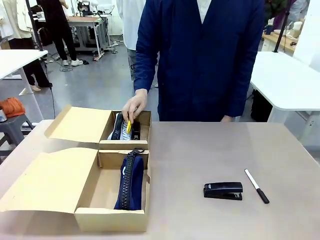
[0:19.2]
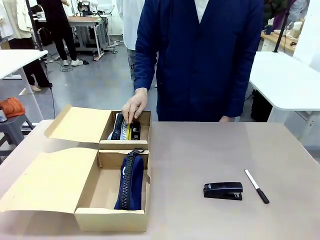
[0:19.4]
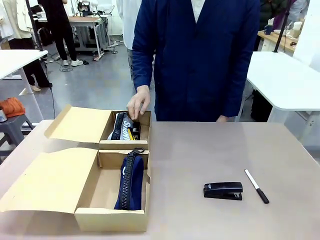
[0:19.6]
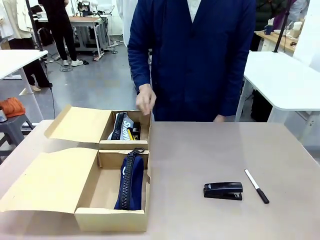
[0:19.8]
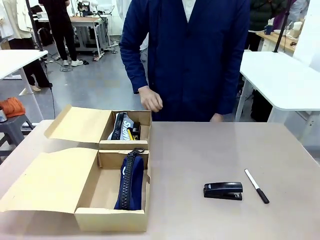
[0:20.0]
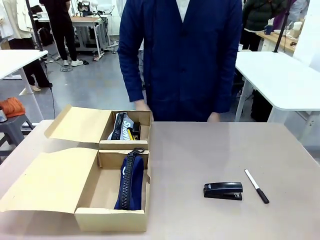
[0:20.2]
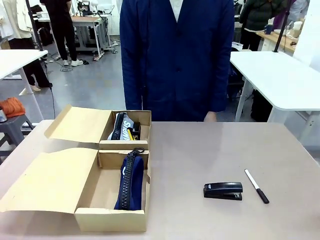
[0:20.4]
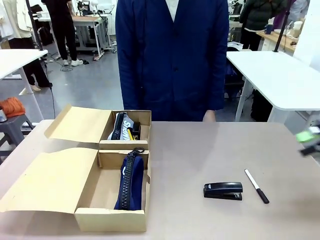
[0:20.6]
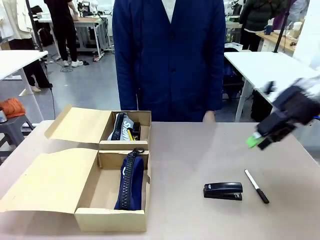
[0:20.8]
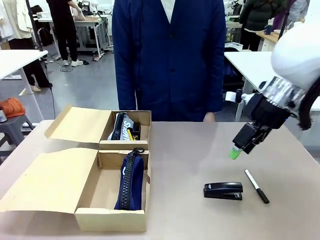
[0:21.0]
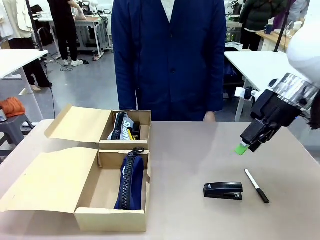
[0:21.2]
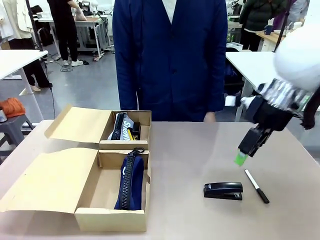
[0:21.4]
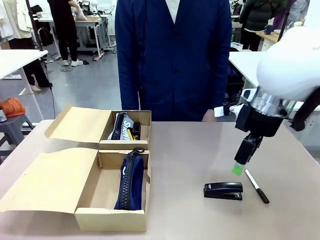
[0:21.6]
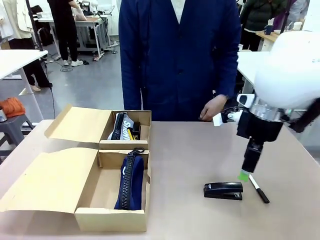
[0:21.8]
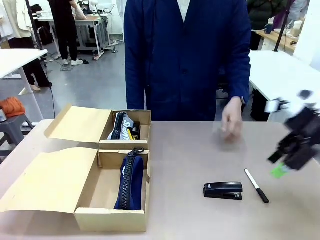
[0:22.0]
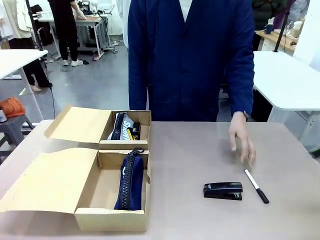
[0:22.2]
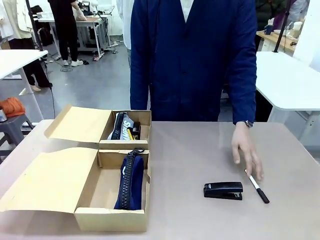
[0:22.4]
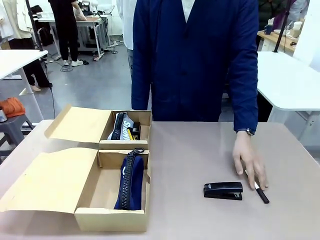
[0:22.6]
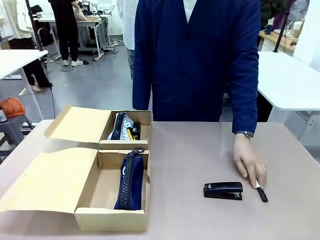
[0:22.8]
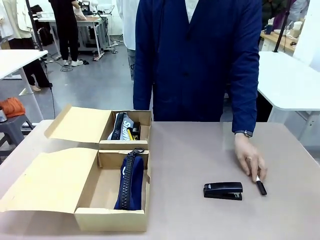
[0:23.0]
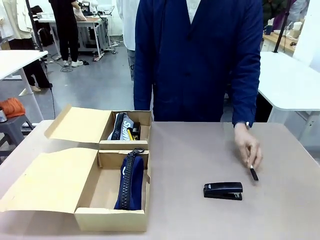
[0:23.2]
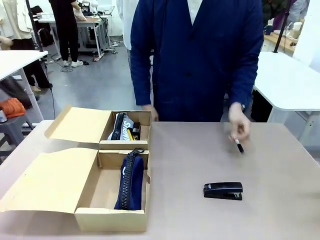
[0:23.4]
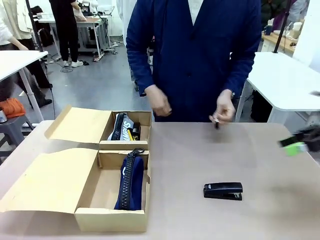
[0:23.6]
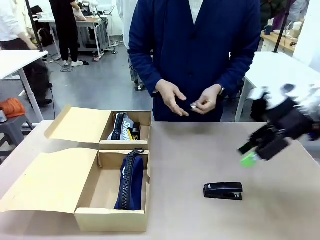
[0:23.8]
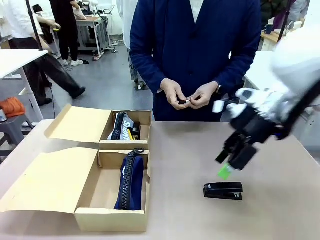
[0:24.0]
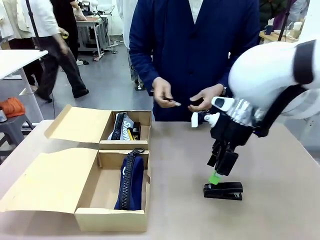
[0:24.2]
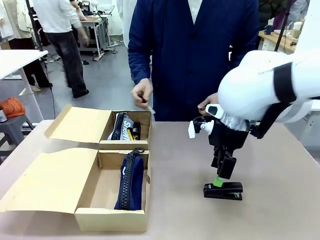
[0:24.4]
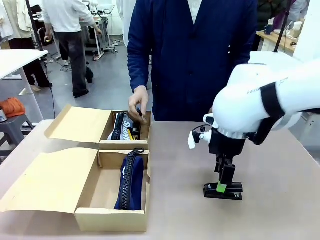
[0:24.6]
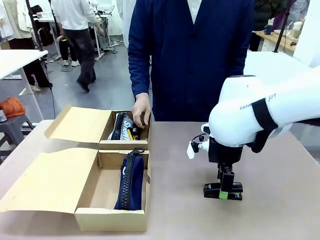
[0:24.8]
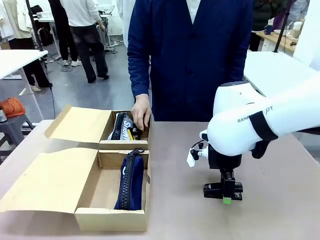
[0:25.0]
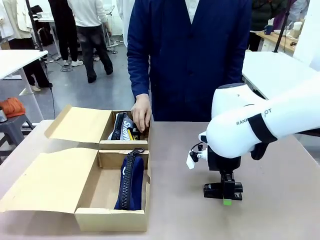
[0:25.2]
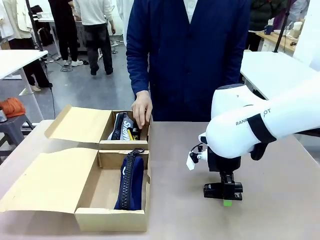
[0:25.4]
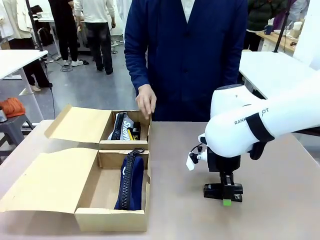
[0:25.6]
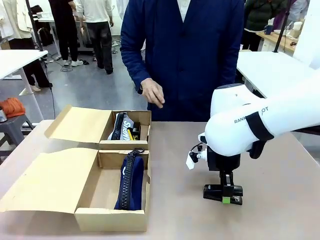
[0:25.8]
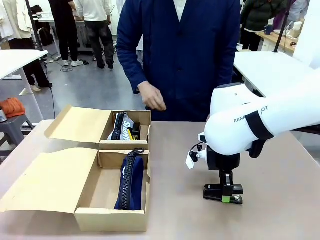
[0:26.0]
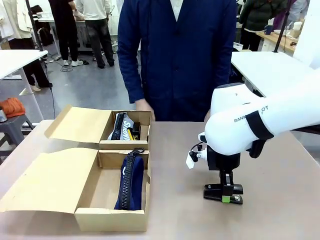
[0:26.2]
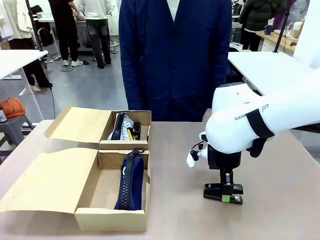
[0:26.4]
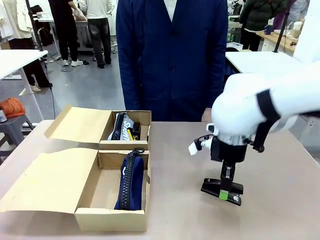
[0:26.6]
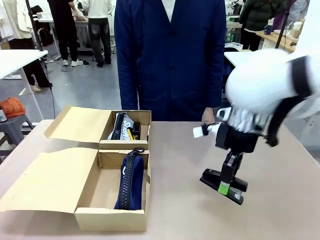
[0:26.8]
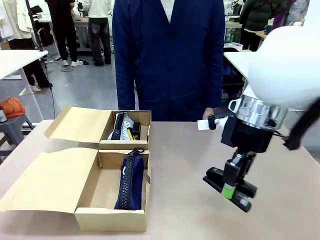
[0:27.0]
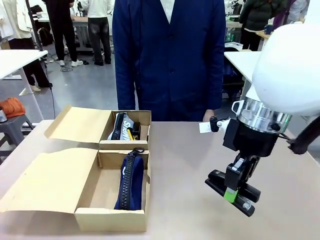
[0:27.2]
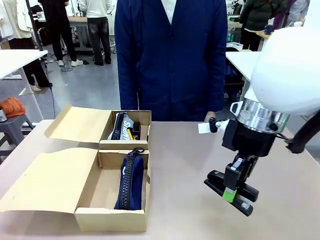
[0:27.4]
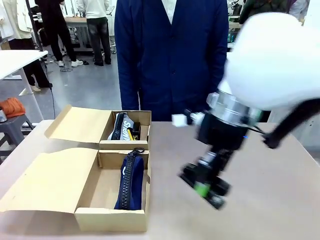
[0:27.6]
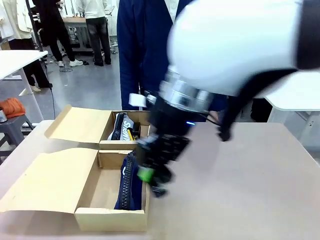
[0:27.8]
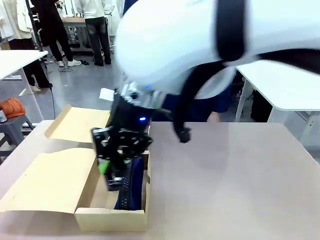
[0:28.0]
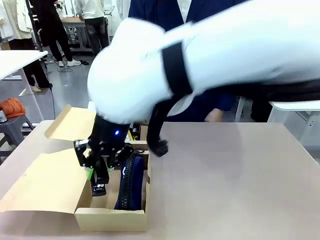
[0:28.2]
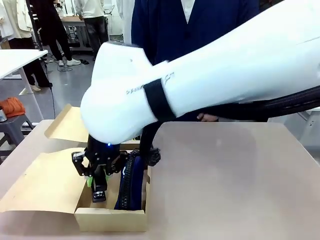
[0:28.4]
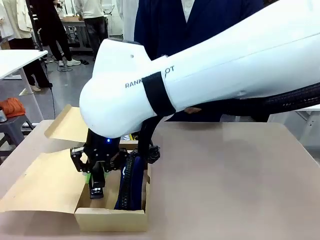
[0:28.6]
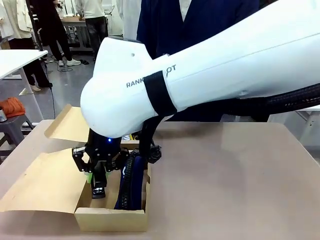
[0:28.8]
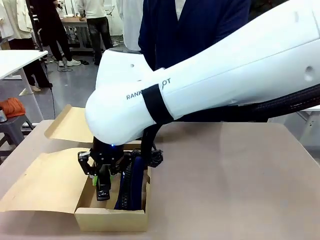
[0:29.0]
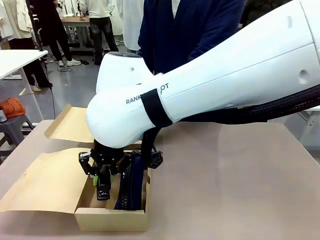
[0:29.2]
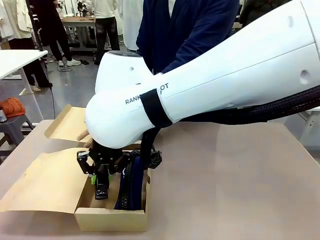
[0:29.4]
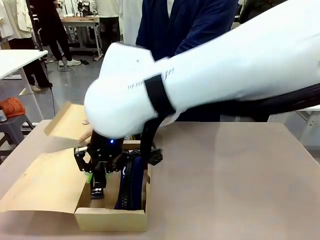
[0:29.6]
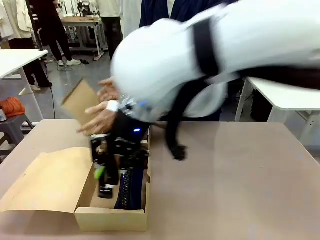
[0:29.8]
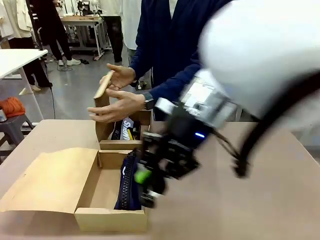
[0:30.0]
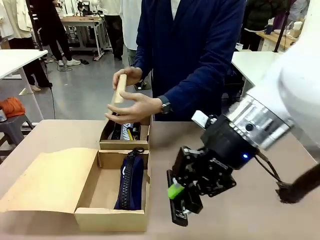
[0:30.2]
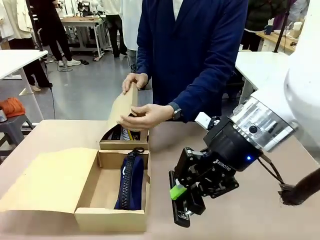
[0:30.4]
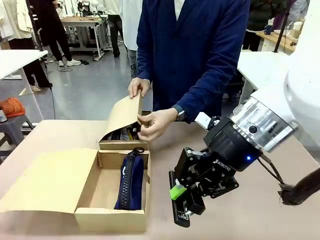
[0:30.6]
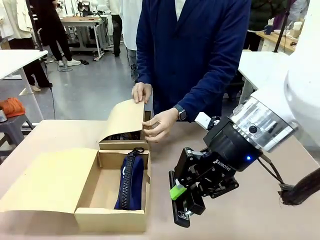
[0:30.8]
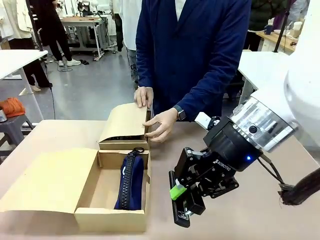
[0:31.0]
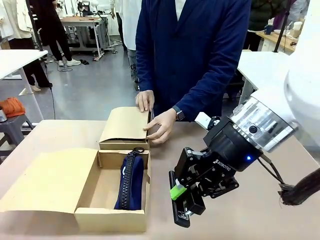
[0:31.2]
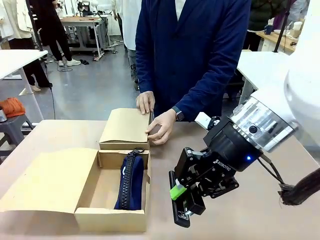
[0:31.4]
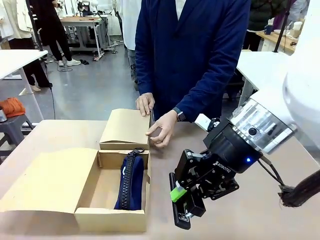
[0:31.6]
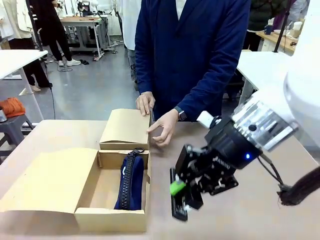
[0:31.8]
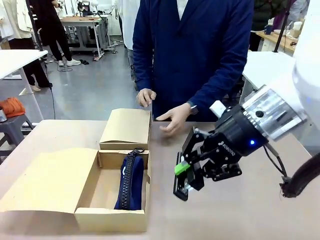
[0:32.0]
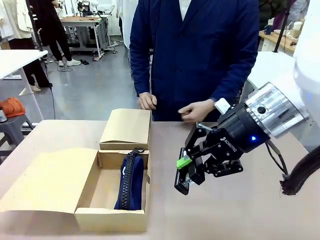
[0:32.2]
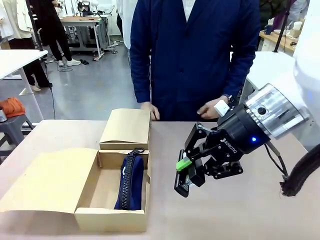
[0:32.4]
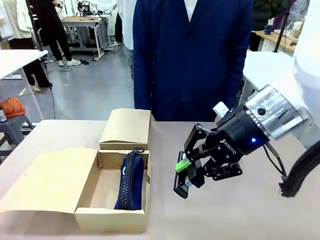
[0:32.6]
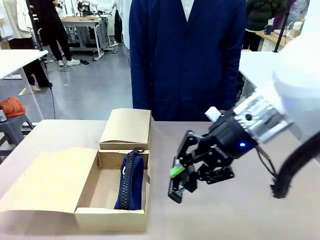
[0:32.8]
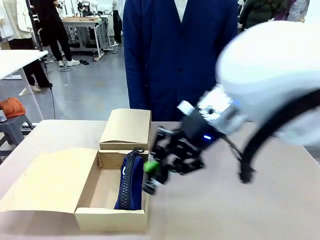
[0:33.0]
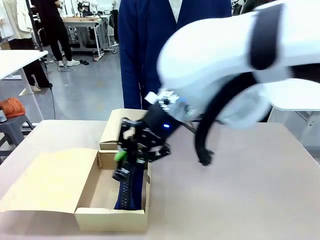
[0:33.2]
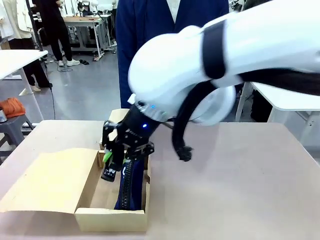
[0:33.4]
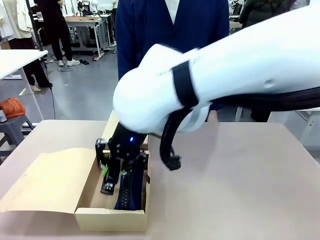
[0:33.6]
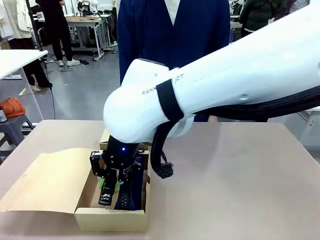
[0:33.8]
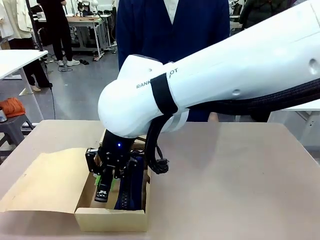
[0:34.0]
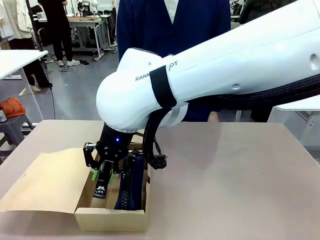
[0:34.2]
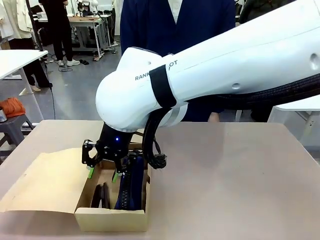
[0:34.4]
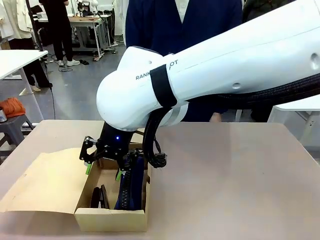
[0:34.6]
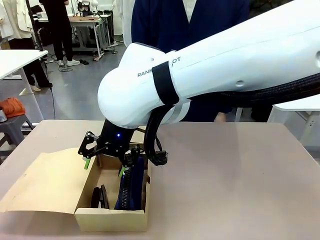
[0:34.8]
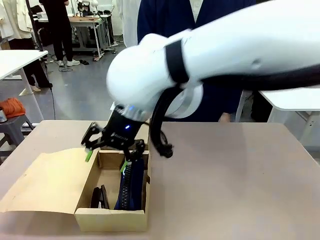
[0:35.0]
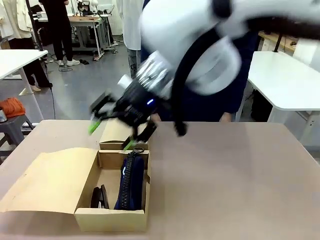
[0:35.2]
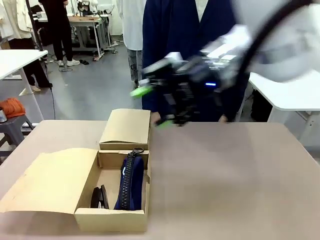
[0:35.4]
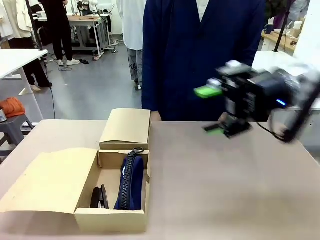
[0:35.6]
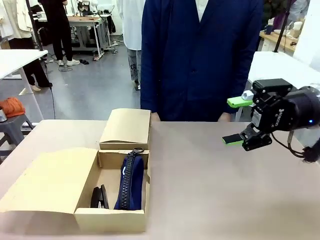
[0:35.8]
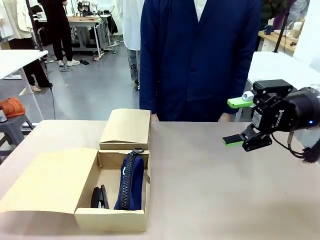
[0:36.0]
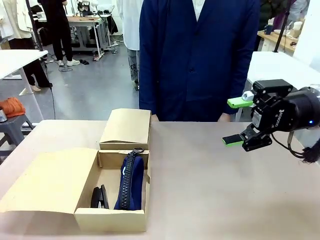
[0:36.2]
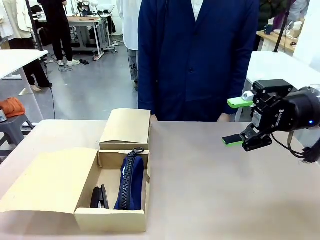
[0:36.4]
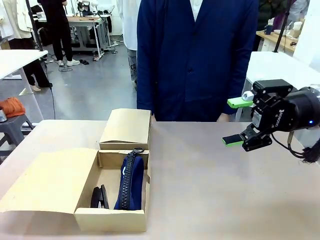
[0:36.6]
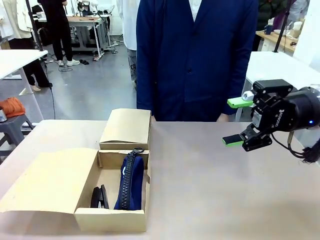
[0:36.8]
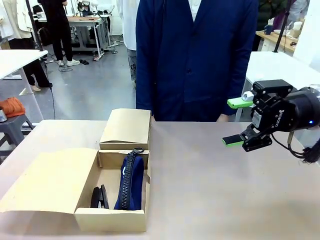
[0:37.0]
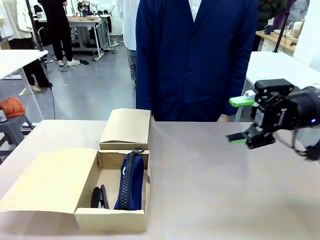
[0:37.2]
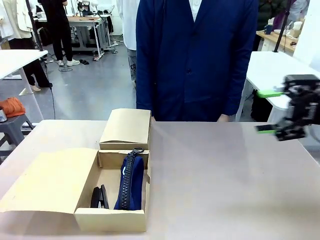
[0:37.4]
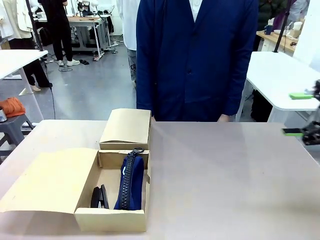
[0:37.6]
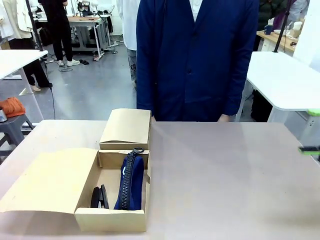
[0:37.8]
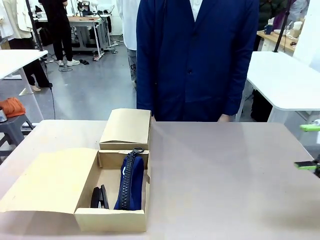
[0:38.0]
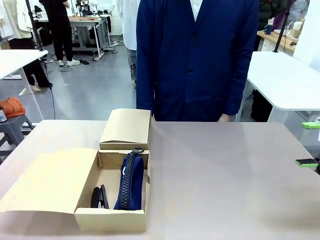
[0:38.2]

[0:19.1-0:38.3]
Task: Place items inside the box.
Robot: Pick up a Pencil pouch or Stapler and place it inside the Mailer Box closest to the robot.
Person: Close the lid of the box facing the person.
